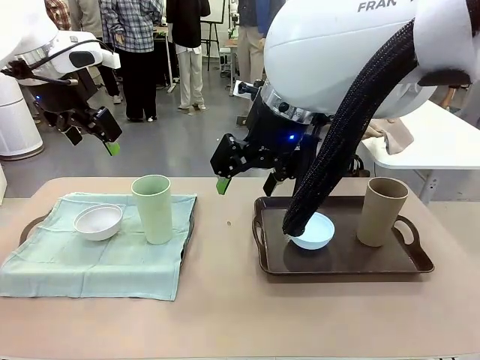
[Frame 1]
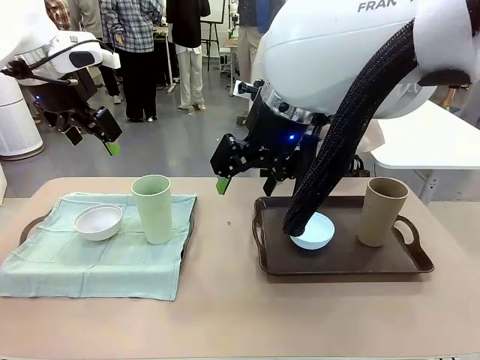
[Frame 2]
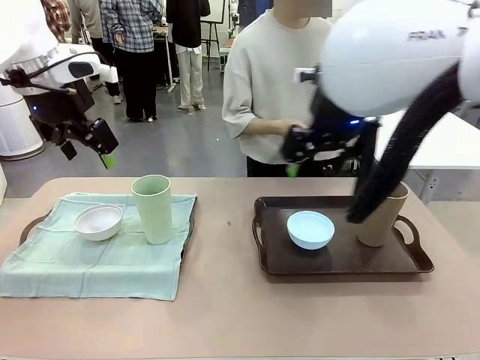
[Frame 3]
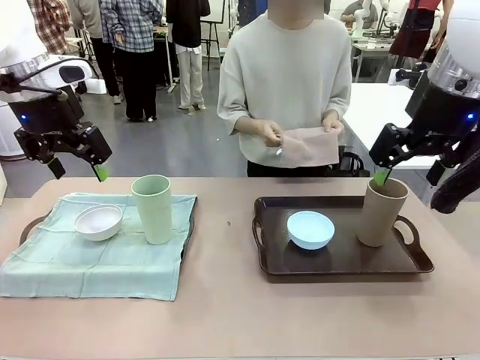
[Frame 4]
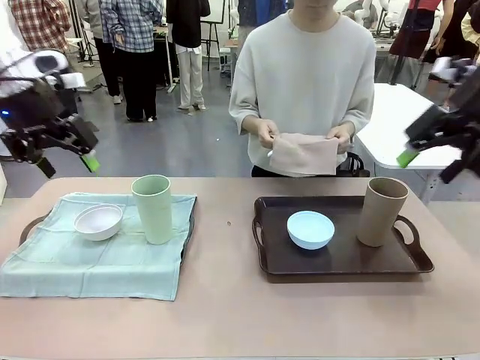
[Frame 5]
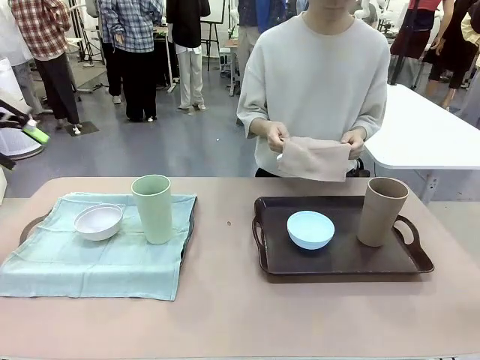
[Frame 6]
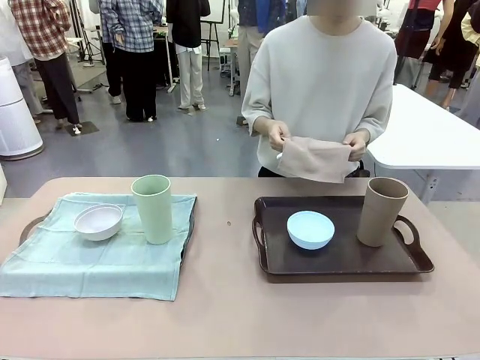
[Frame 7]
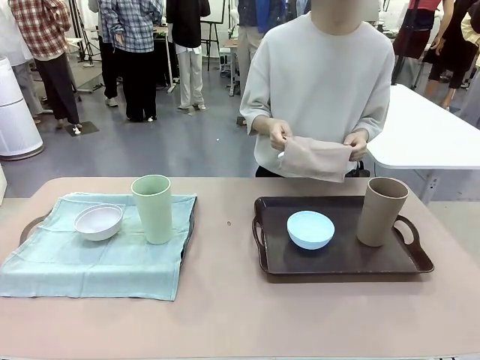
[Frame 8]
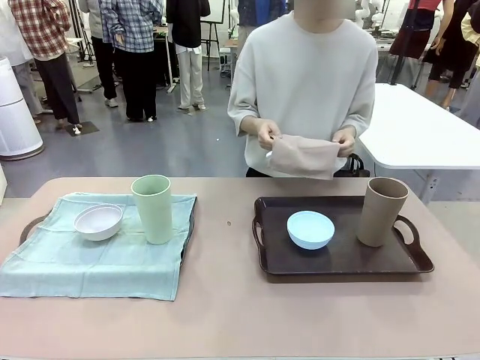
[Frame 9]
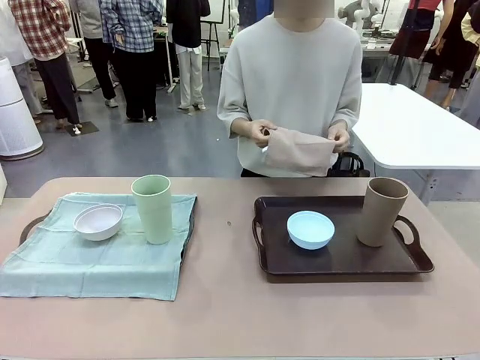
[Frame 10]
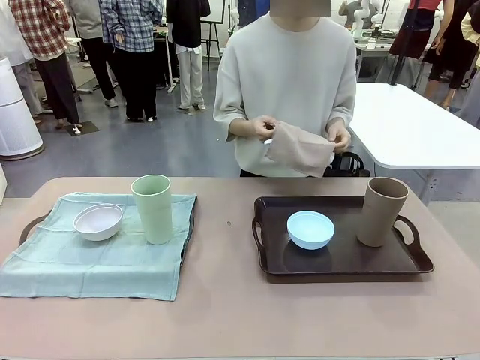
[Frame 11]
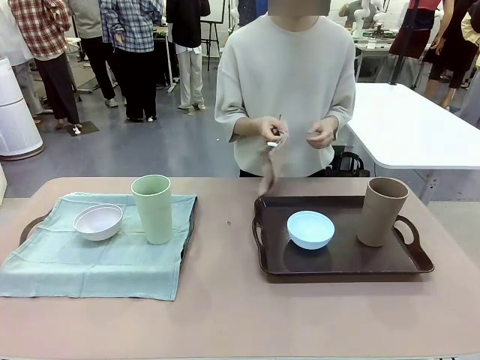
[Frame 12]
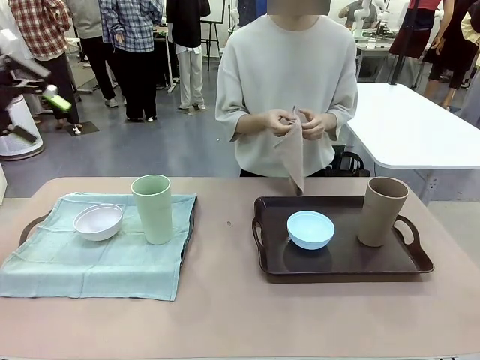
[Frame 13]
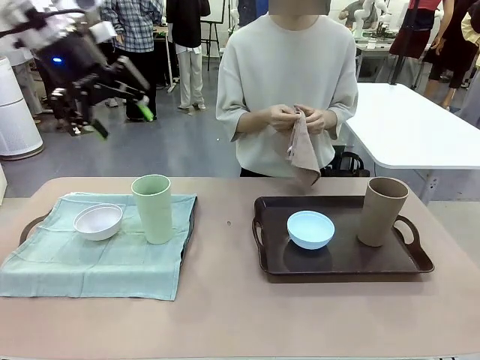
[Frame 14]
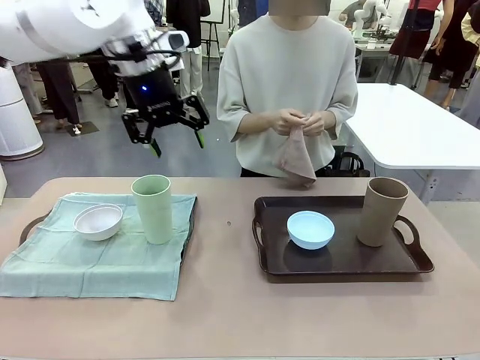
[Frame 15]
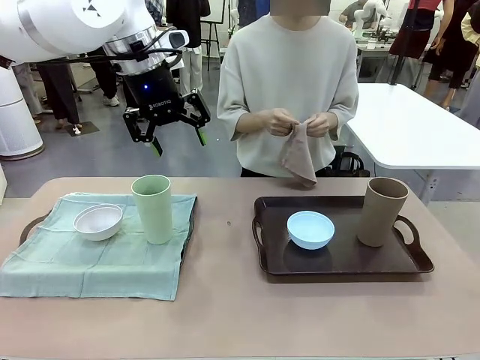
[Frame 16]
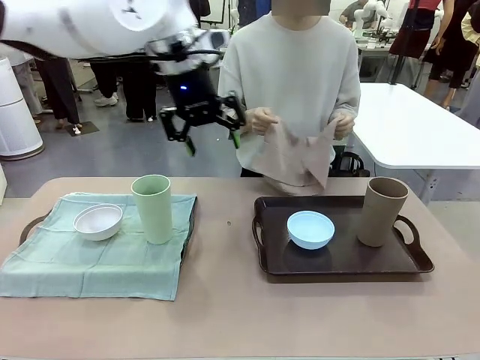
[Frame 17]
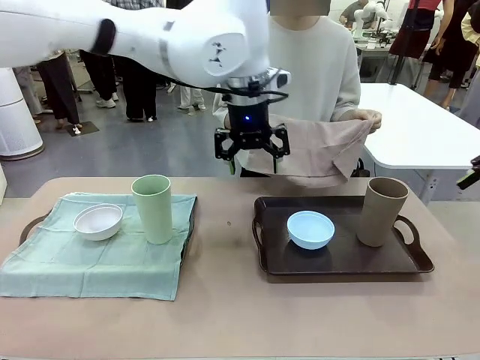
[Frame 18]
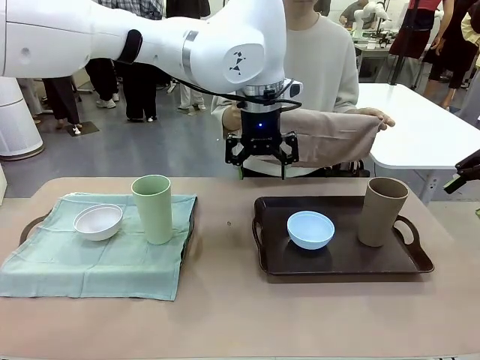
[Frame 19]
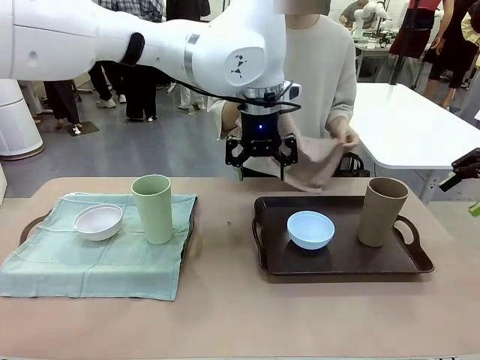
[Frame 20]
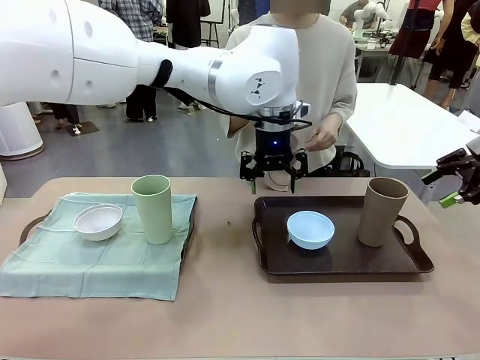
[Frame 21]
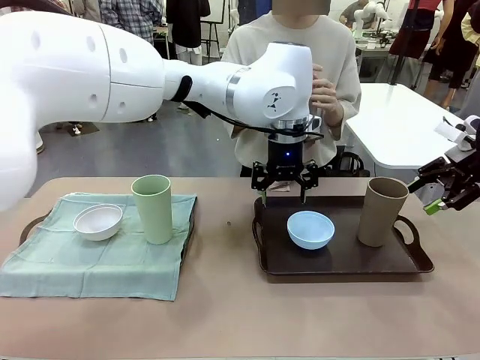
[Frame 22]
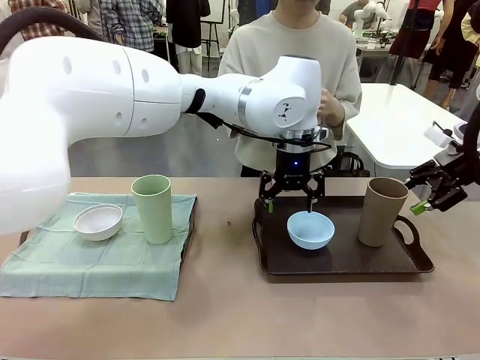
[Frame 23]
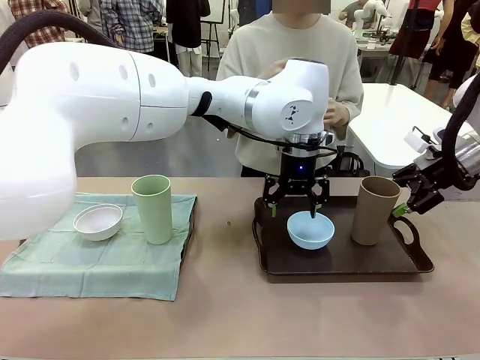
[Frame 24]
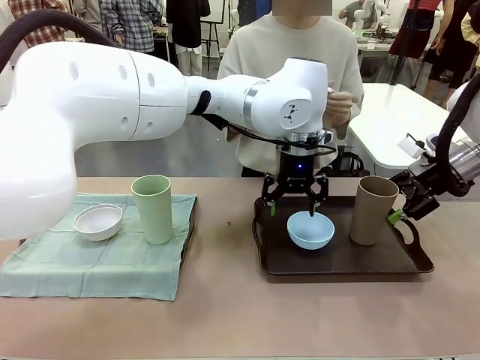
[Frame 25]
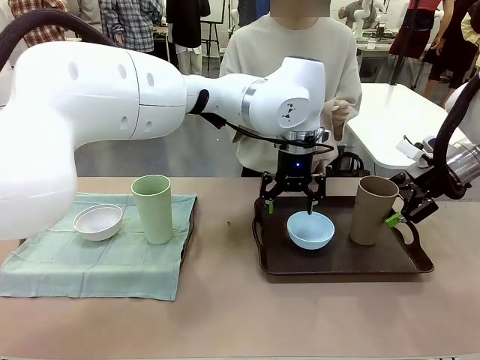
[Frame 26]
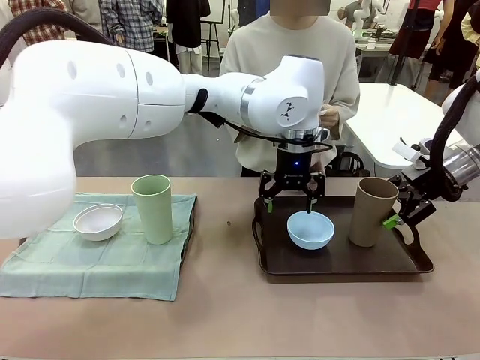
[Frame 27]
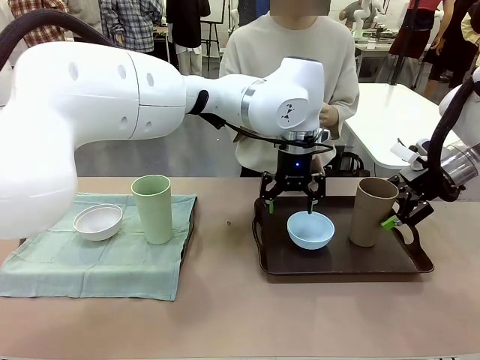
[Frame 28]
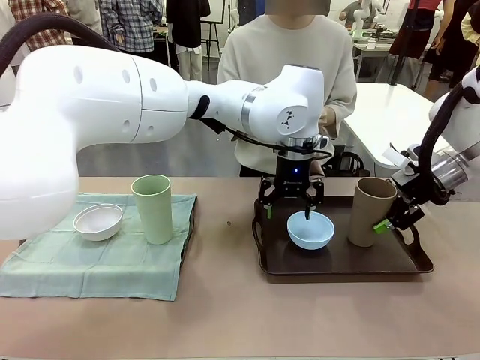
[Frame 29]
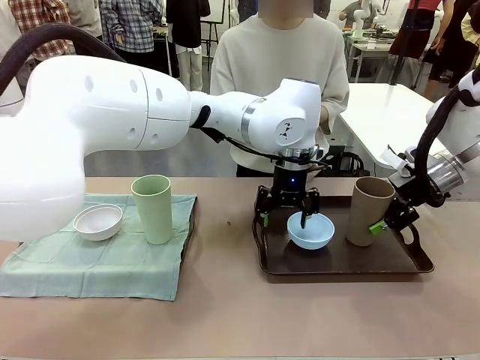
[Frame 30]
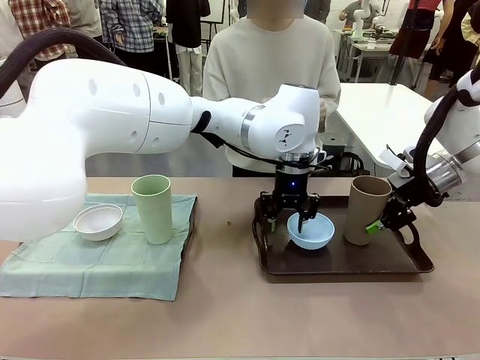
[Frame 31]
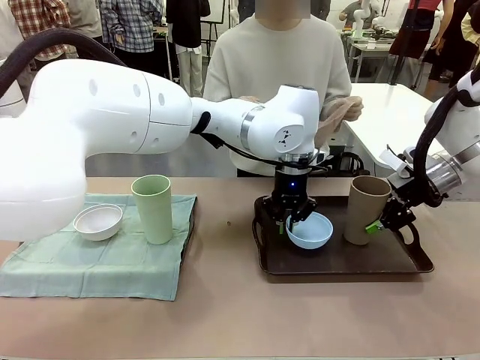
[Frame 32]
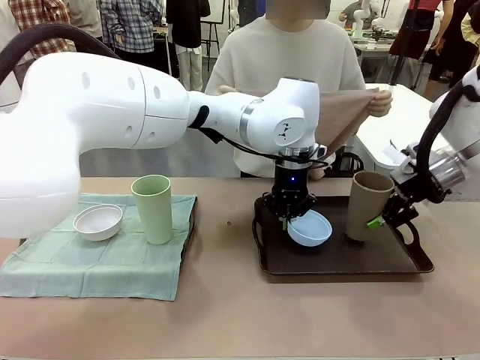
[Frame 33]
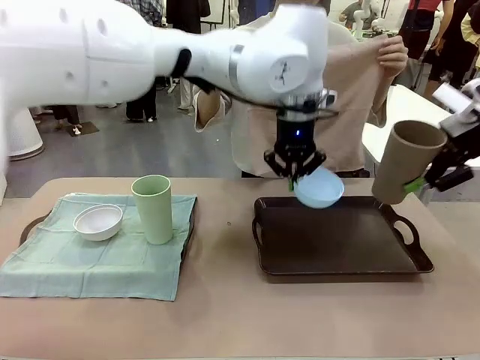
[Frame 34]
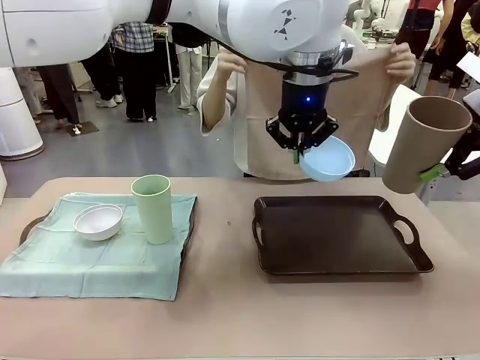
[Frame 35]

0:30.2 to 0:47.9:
Robot: Pick up the Picnic Bowl and Reusable plastic cup from the Handle tray in front of the human's position and hold them in the air.

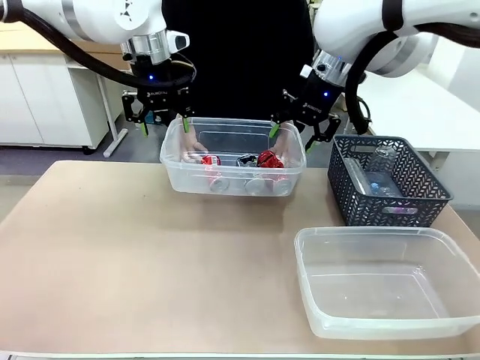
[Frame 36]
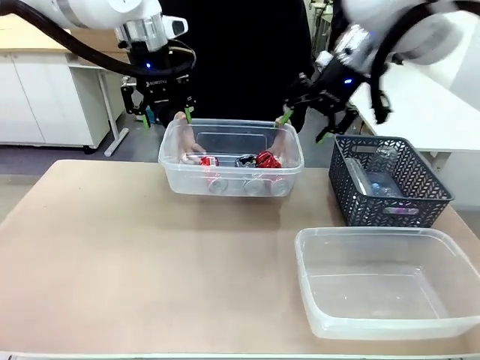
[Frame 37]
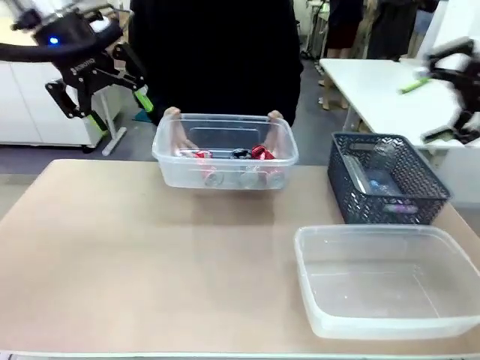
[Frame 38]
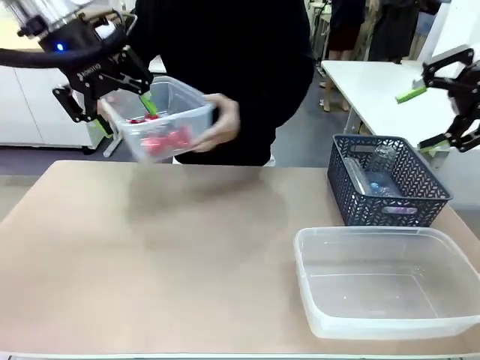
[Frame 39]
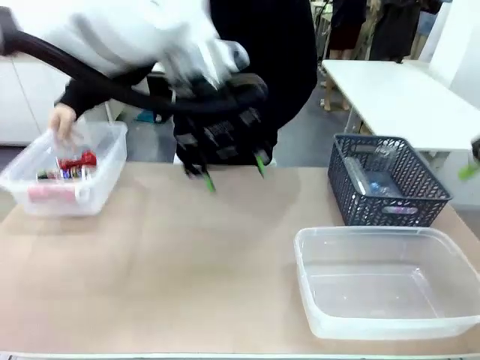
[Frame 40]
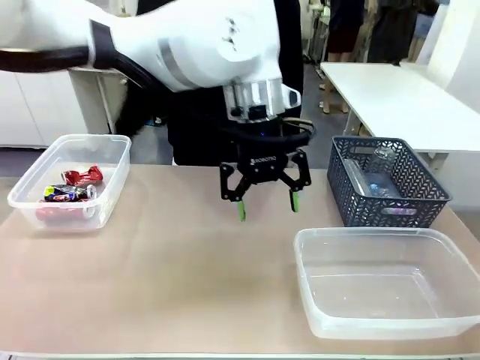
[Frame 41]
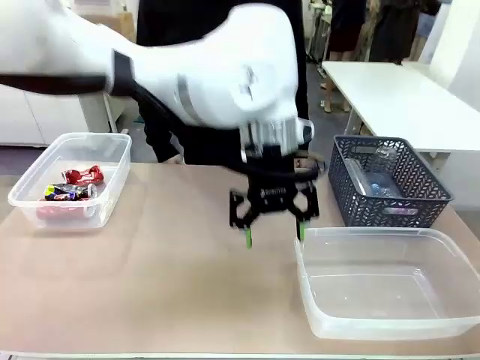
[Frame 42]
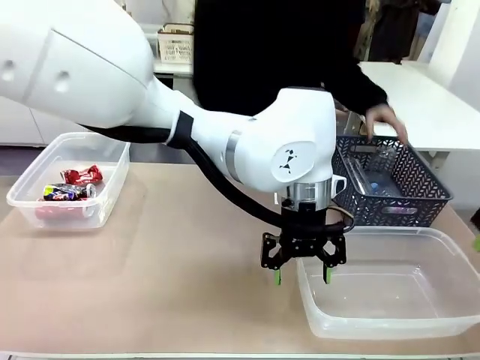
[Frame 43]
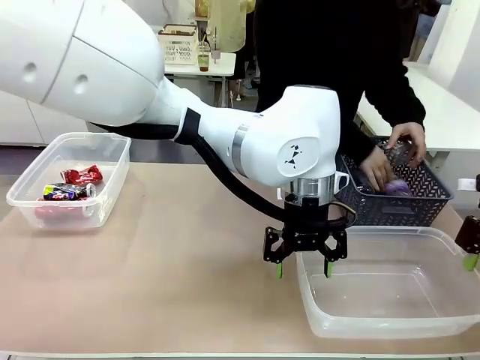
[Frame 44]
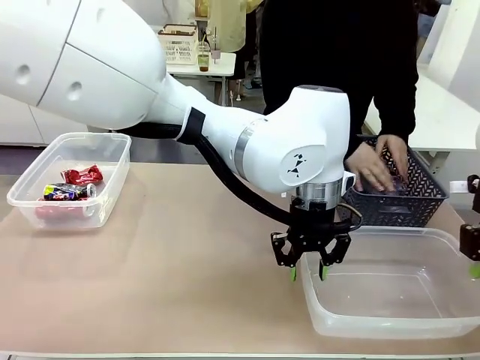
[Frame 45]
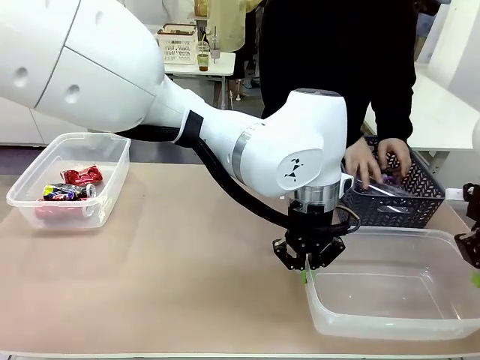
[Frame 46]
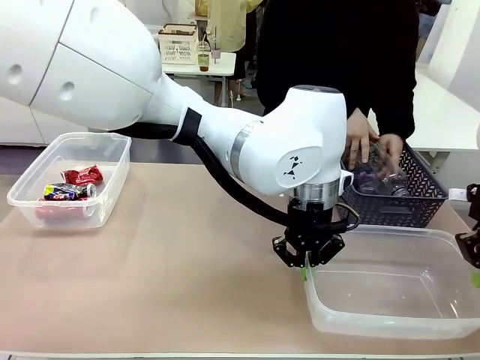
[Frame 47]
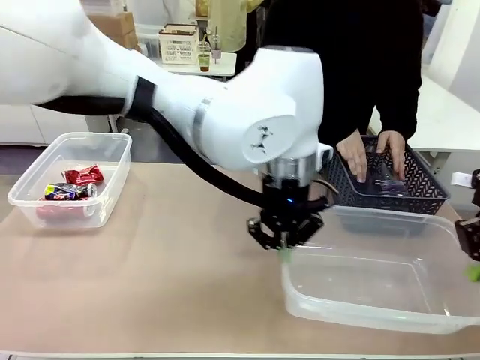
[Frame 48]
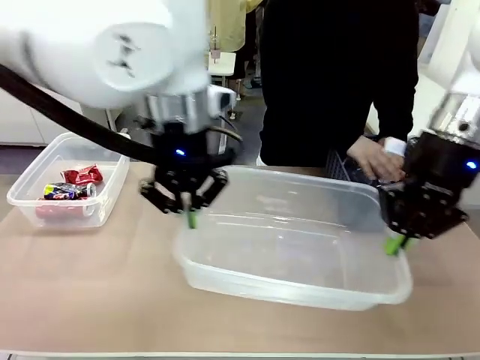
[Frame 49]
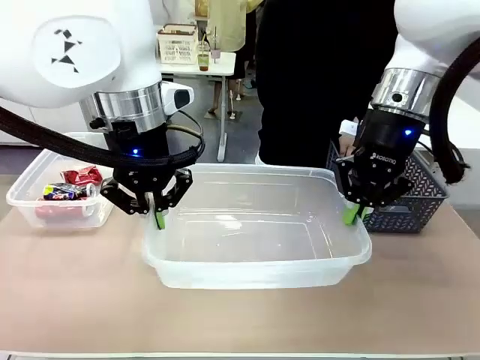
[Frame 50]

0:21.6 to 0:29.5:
Robot: Pick up the Organizing box on the right side of the table and lift it.
Person: Place it at the edge of the bottom right area of the robot table. Pick up plastic waste one by one and place it into the organizing box lifted by the robot.

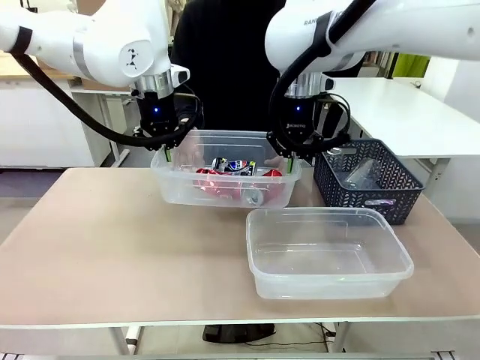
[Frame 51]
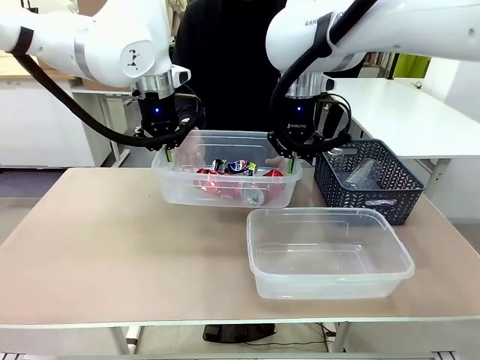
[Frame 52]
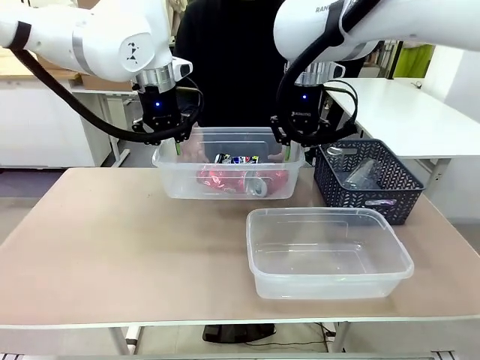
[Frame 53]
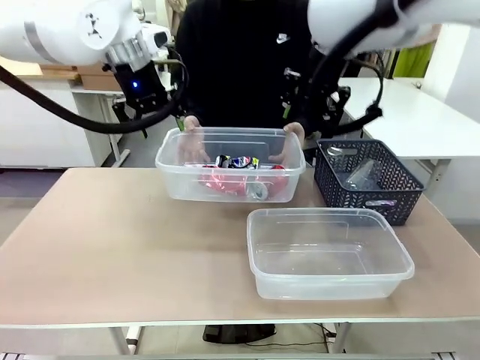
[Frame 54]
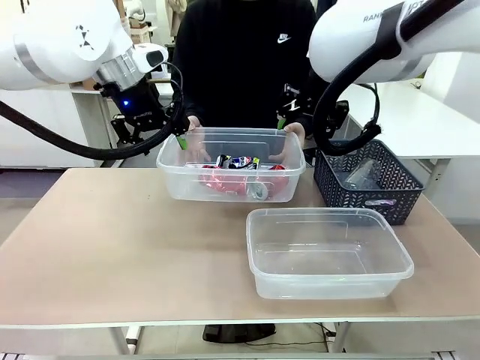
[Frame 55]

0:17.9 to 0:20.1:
Robot: Release the Organizing box you were holding.
